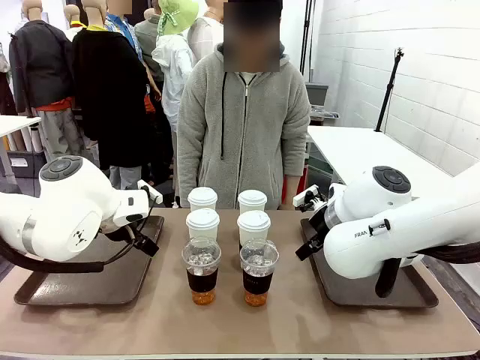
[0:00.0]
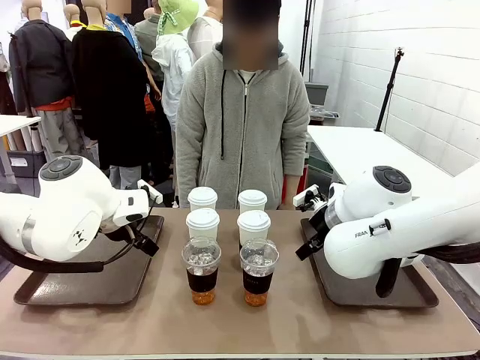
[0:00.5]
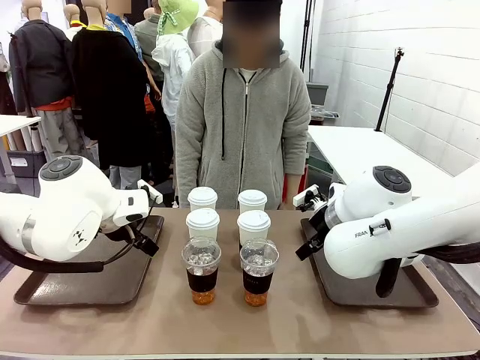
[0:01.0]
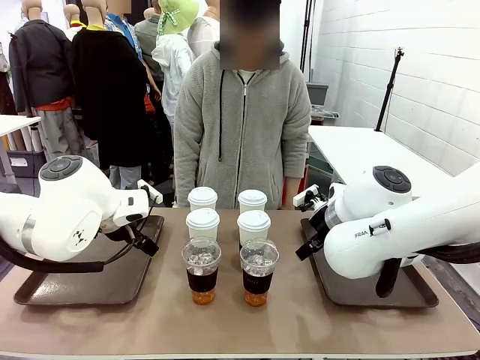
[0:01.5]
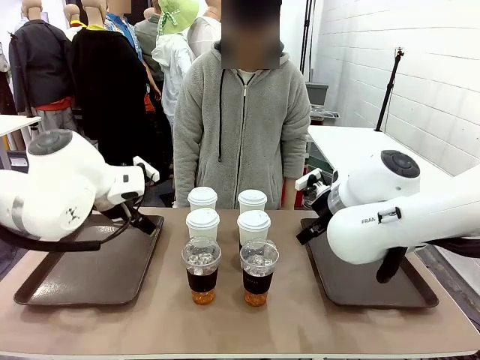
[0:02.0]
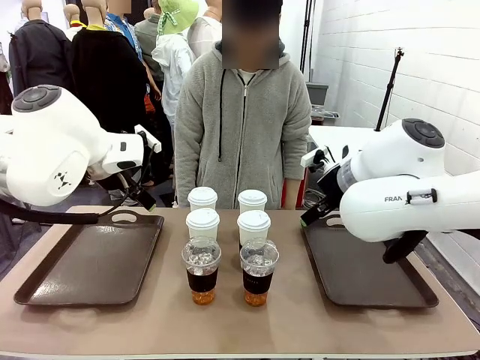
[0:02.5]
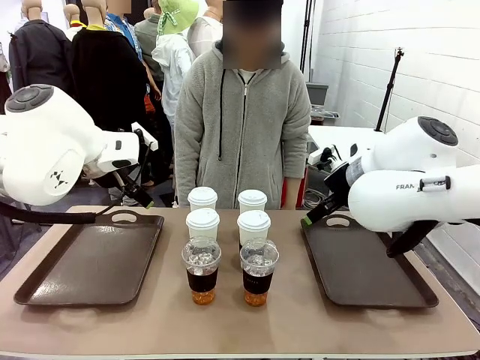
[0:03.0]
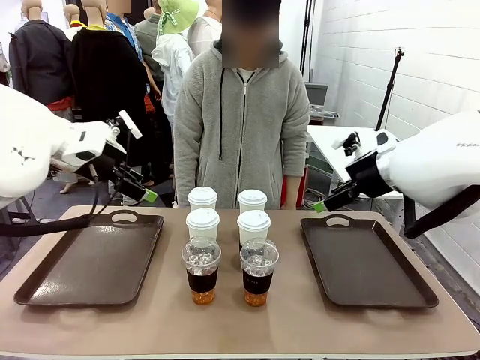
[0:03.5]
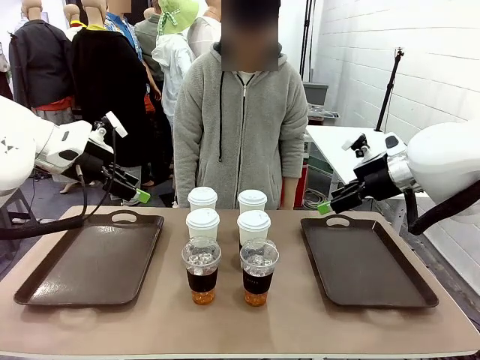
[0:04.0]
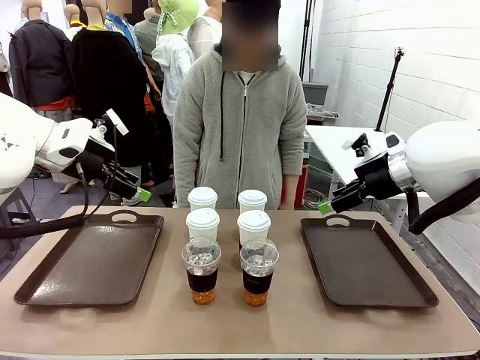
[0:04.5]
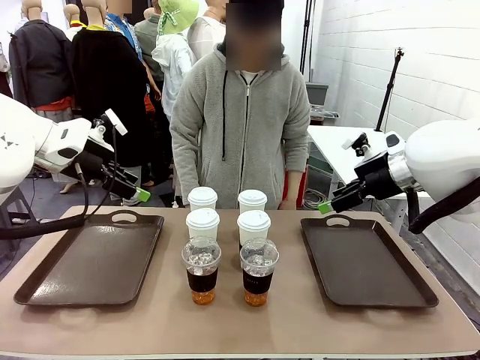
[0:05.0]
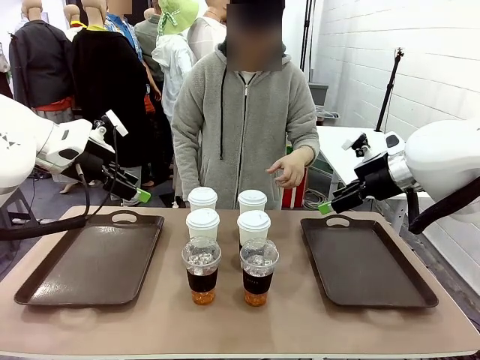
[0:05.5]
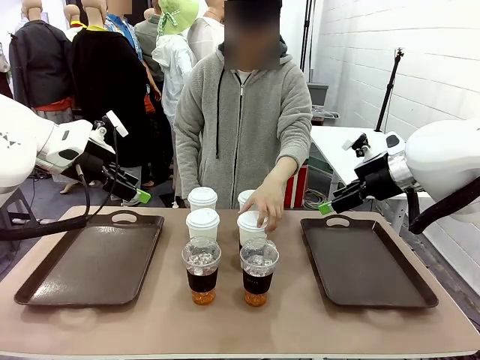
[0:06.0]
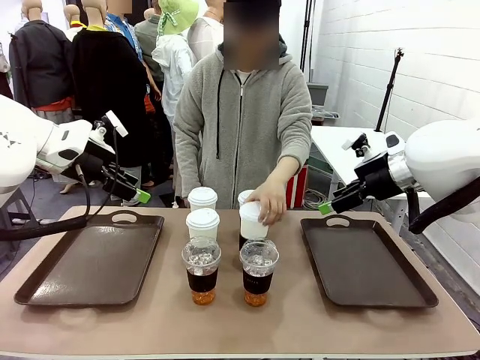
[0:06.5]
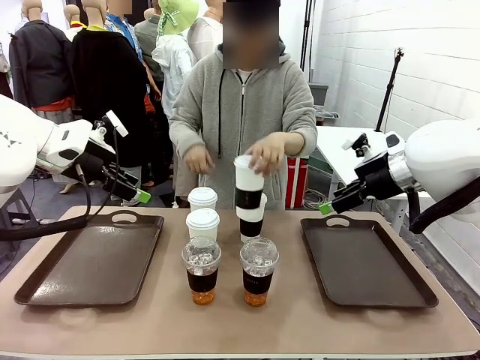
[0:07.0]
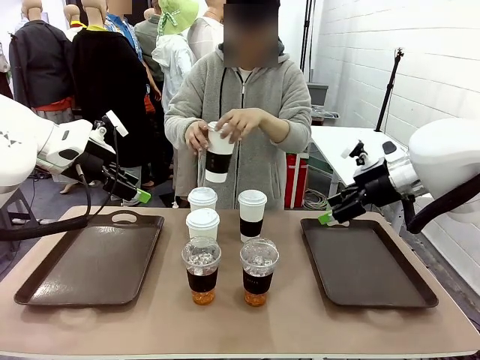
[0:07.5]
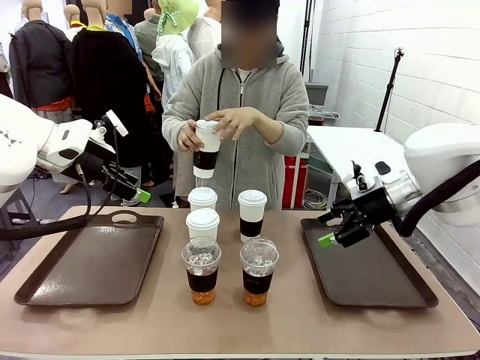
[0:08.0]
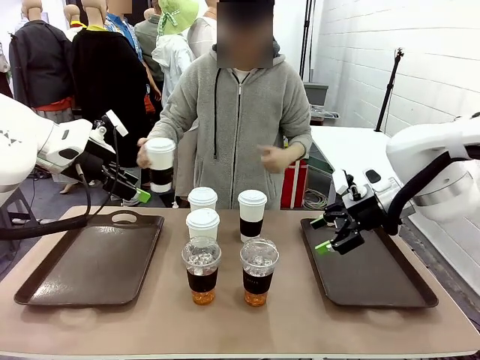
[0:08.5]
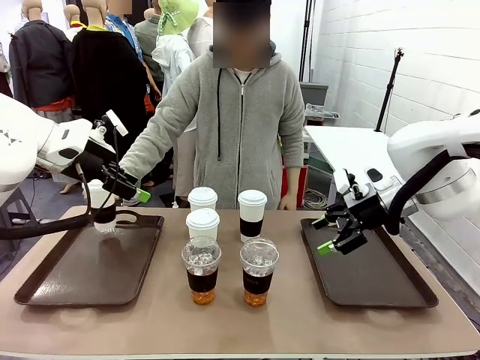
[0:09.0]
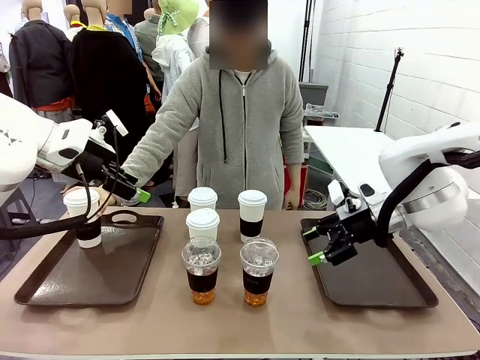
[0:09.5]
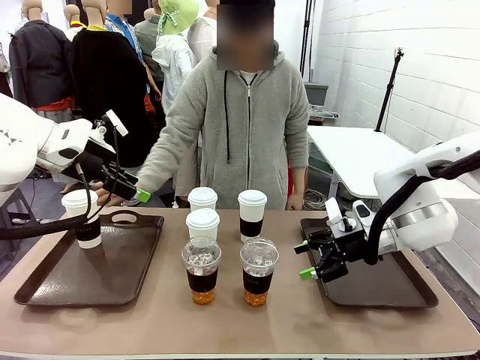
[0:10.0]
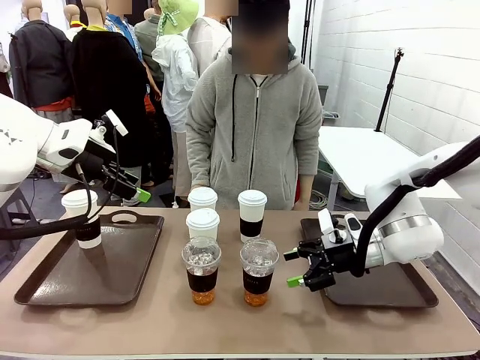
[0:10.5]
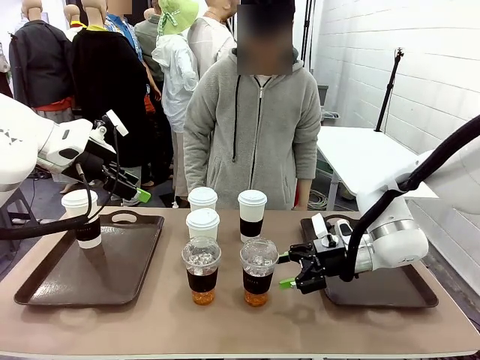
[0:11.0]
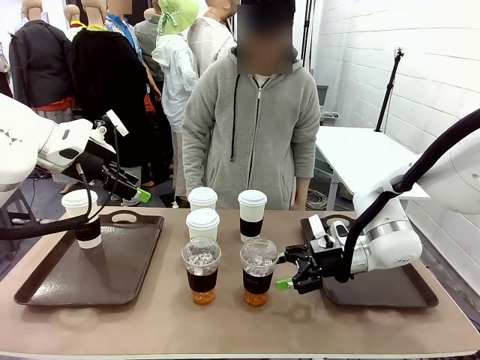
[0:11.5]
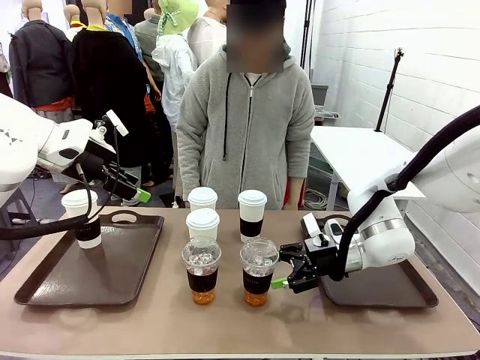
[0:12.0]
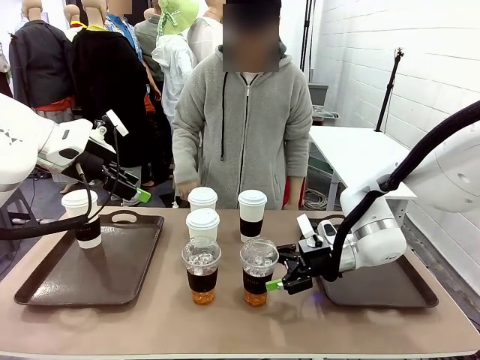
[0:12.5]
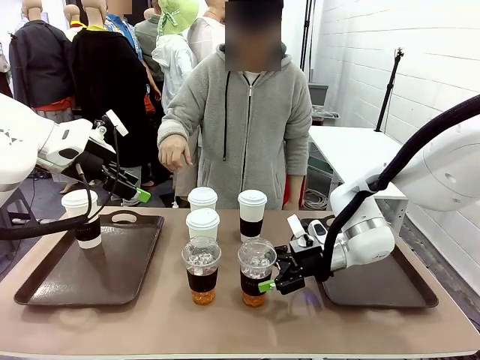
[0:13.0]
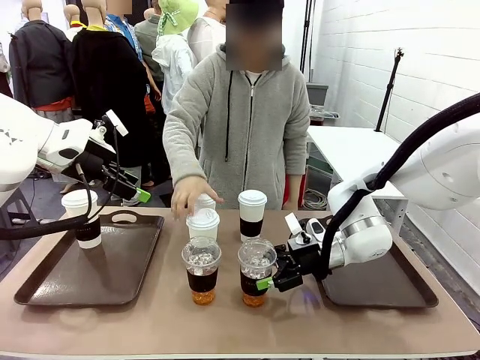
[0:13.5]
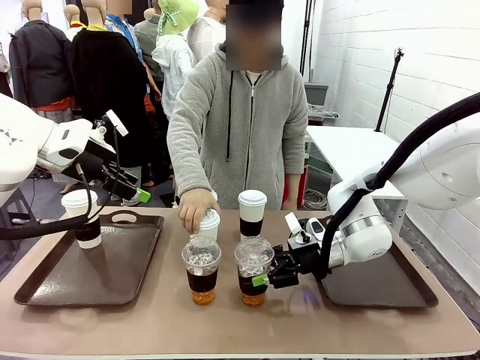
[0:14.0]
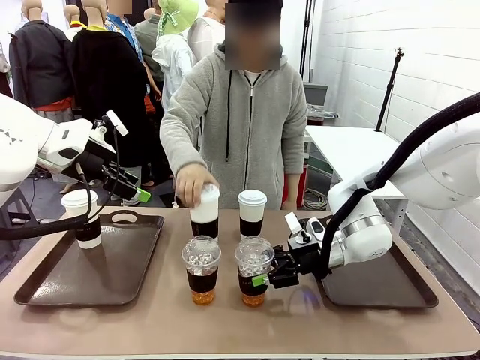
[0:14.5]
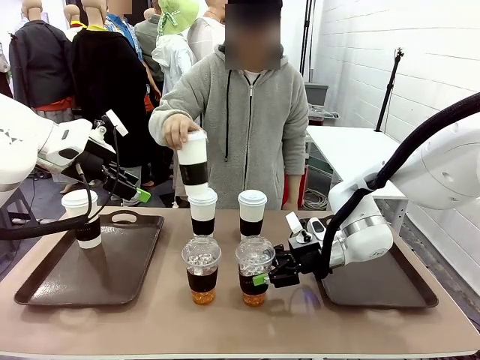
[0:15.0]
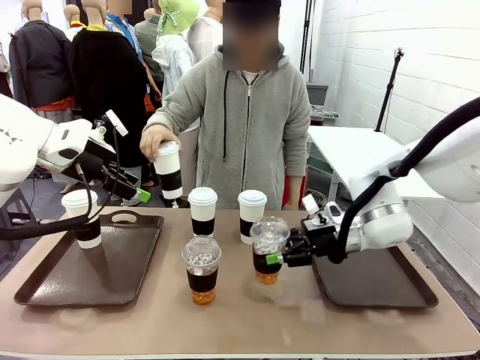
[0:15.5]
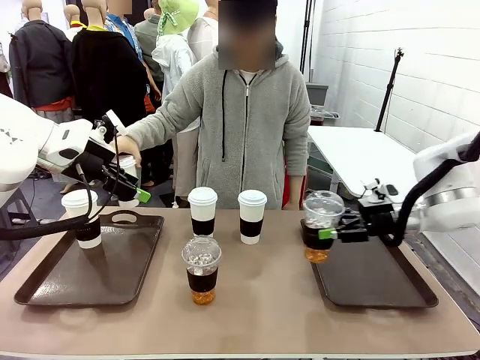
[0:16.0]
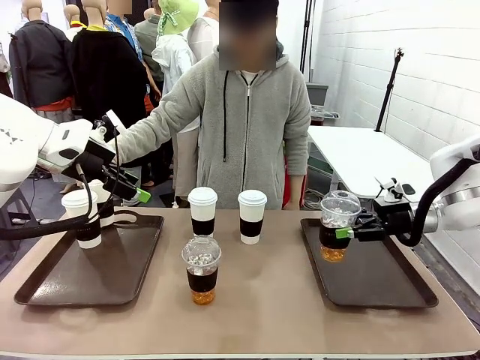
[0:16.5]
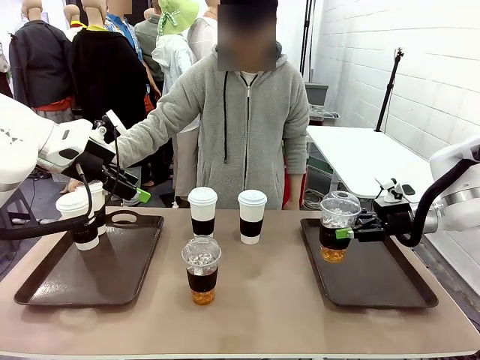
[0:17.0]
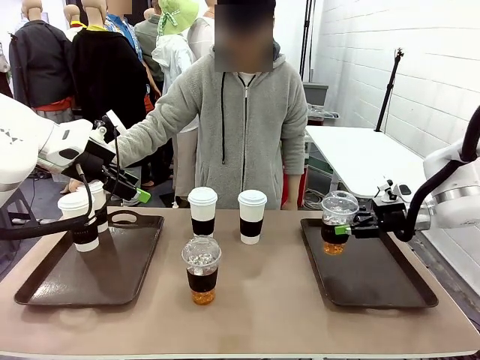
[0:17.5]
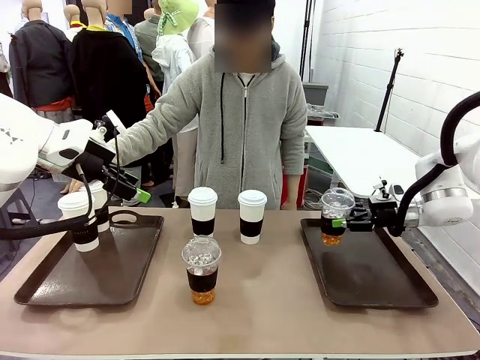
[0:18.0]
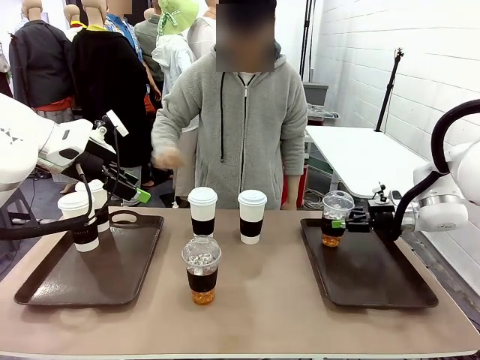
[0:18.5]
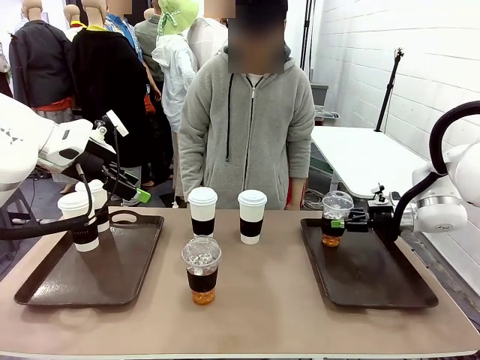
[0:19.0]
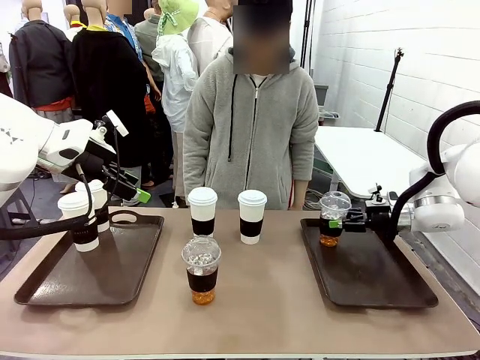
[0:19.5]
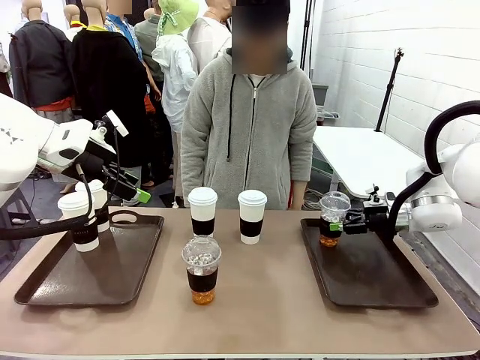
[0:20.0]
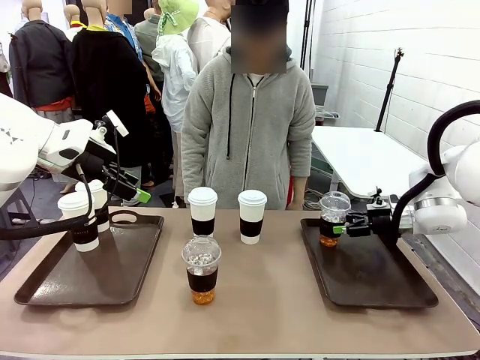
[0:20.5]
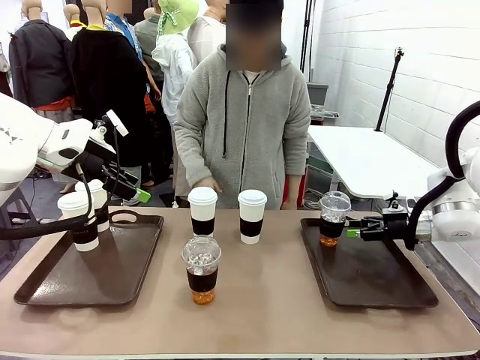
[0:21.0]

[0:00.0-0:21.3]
Task: Distribute the coffee onto the tray.
Robot: Pick up one iced Americano and place it on the right Handle tray.
Person: Pick up a cup of hot Americano and place it on the right tray.
